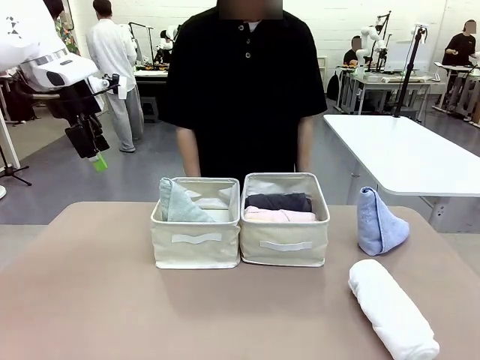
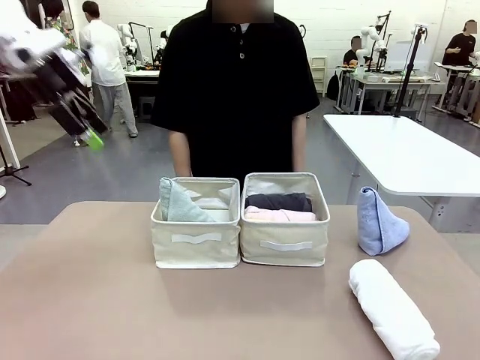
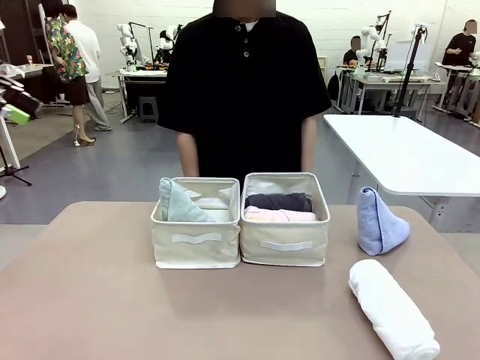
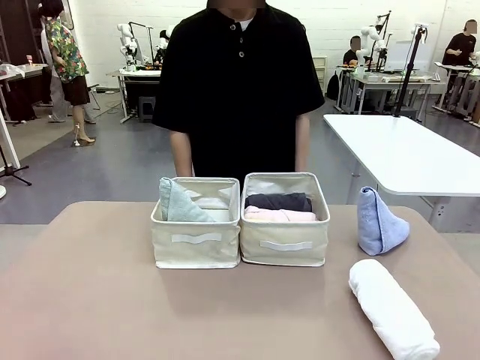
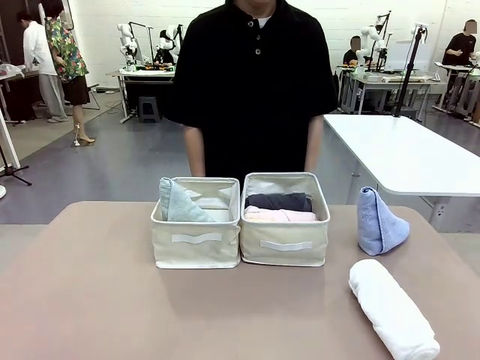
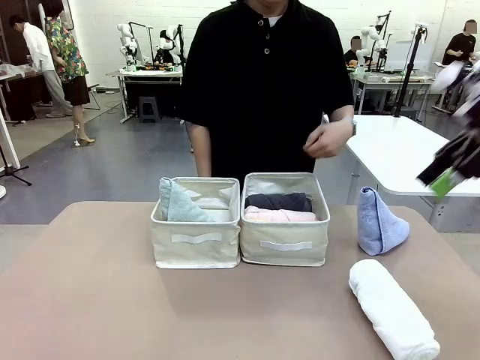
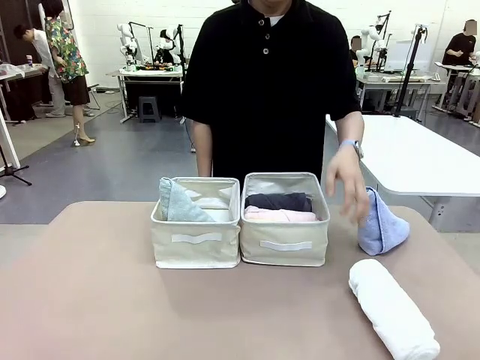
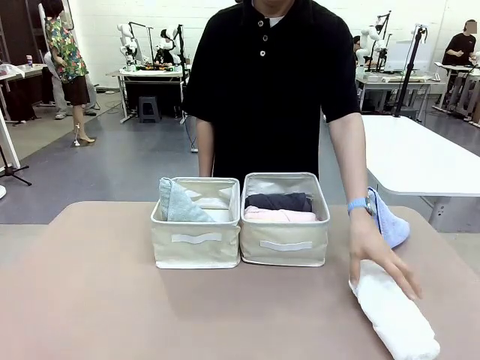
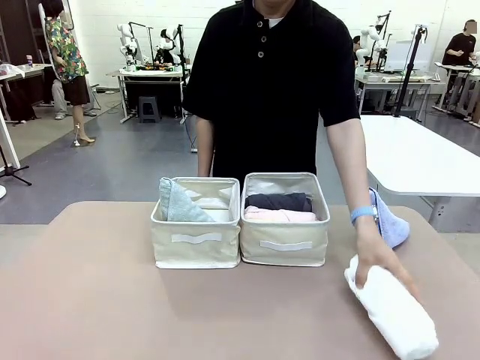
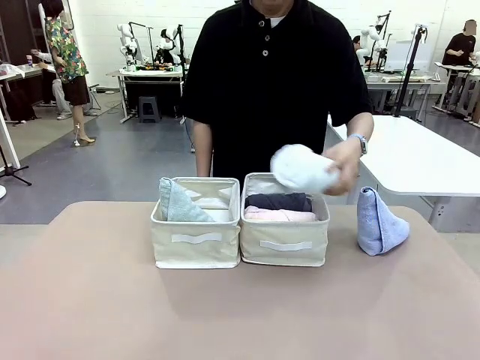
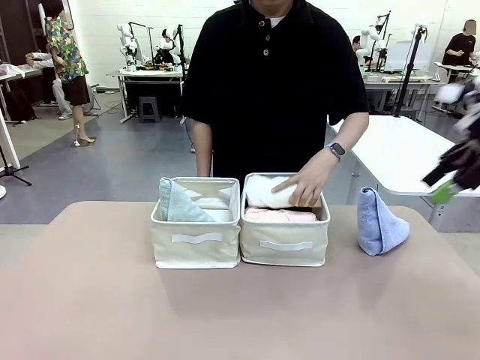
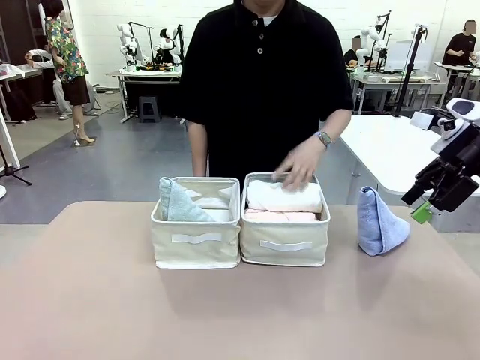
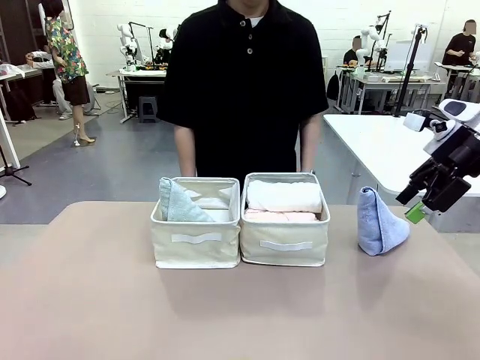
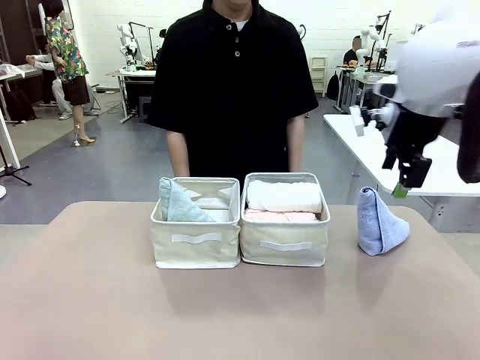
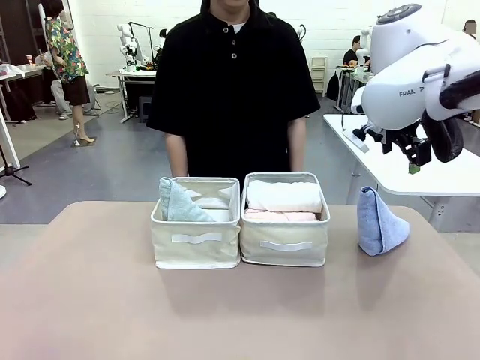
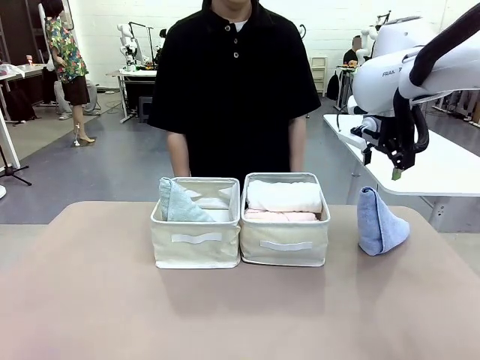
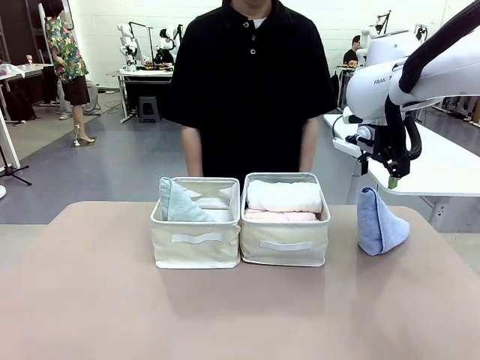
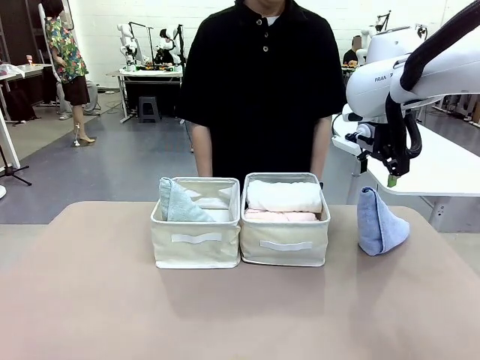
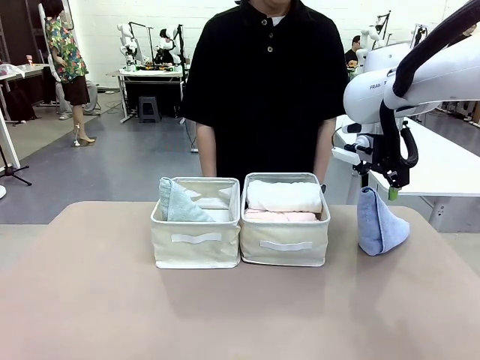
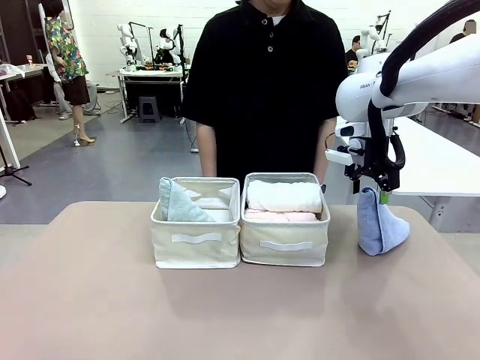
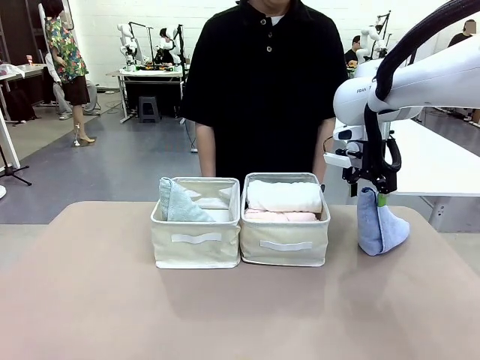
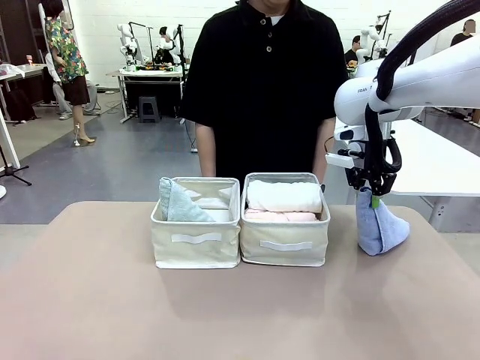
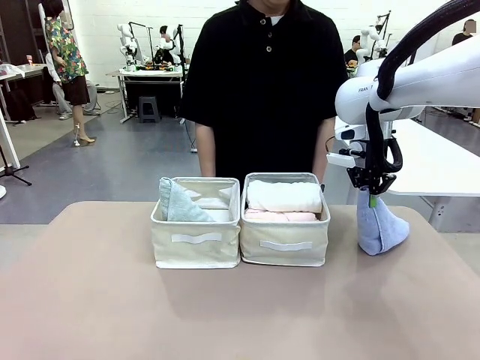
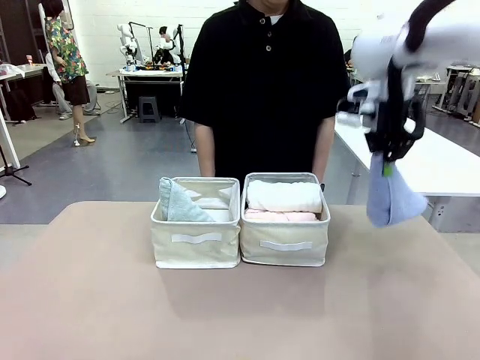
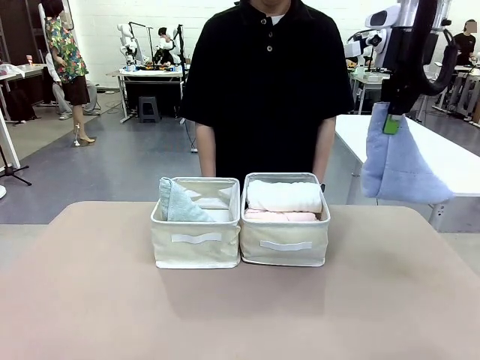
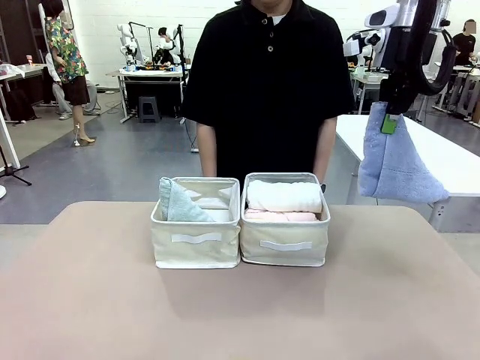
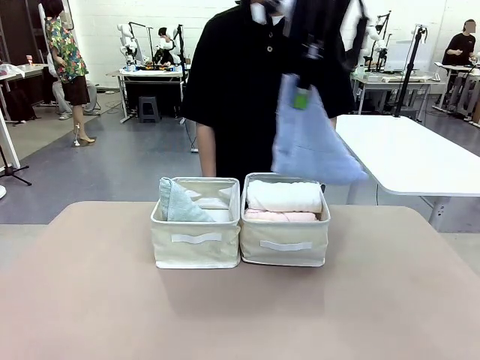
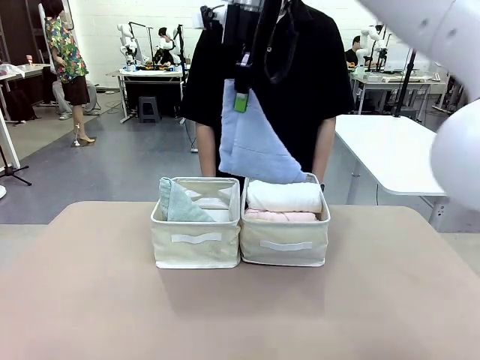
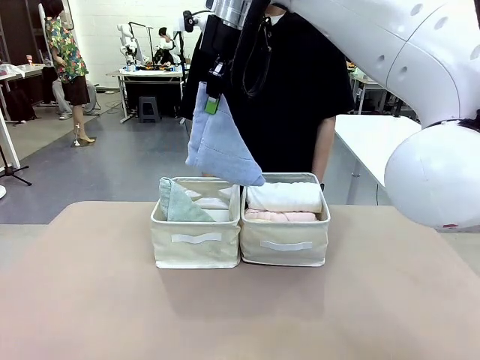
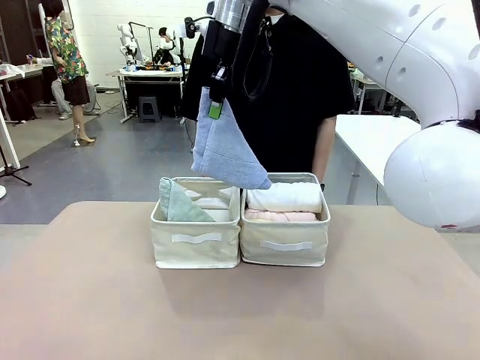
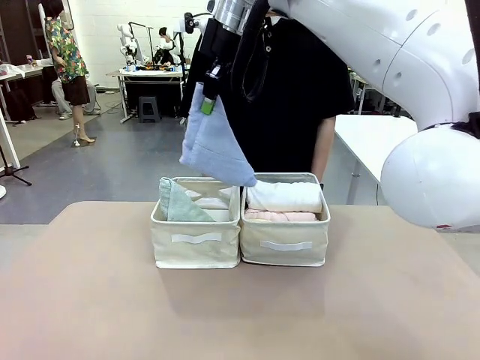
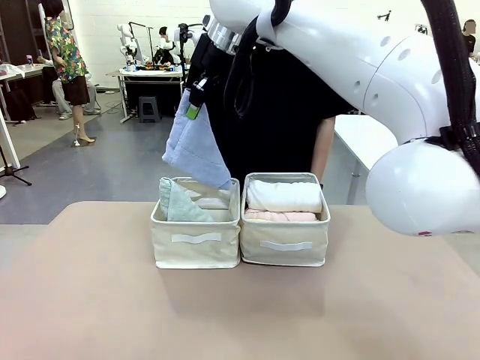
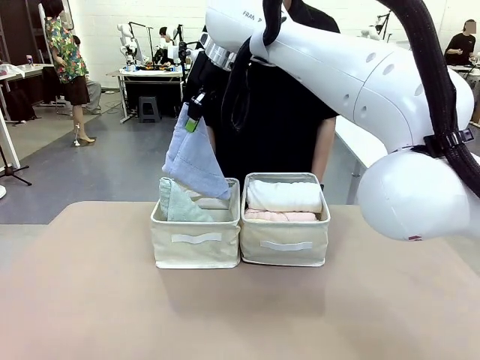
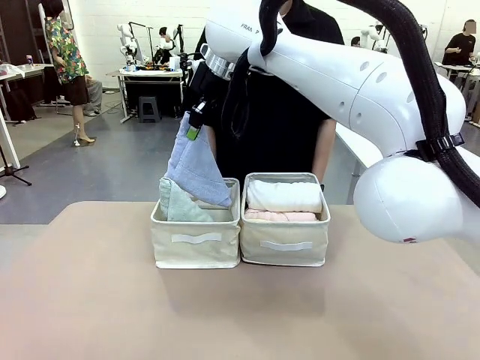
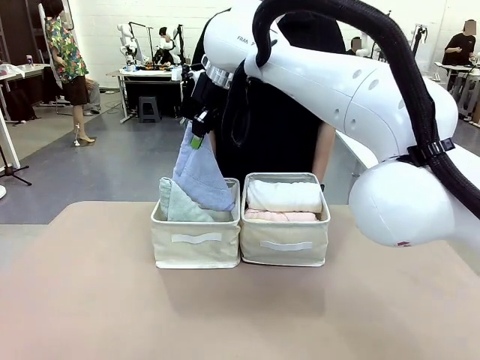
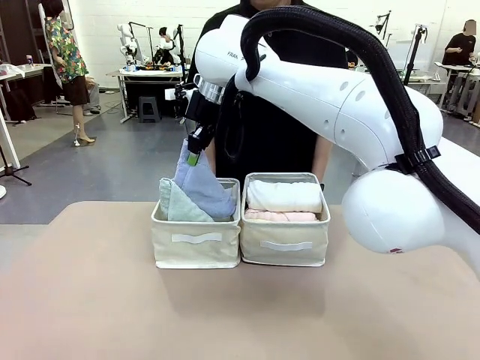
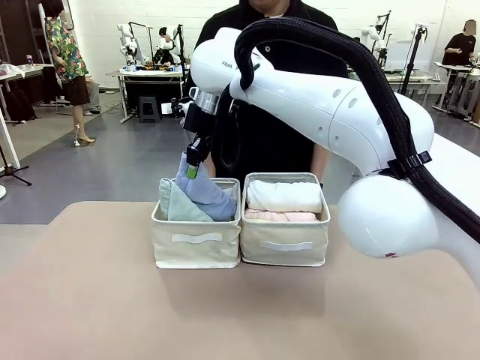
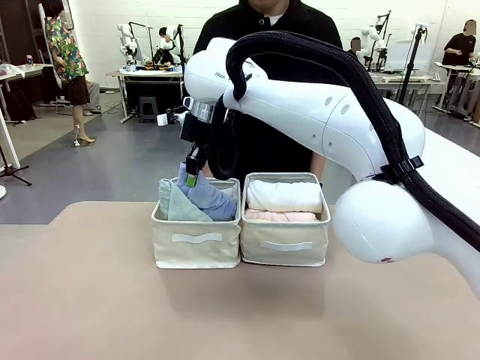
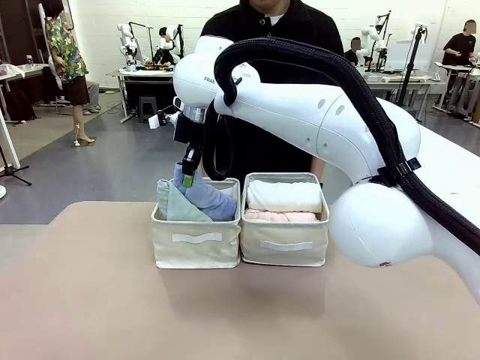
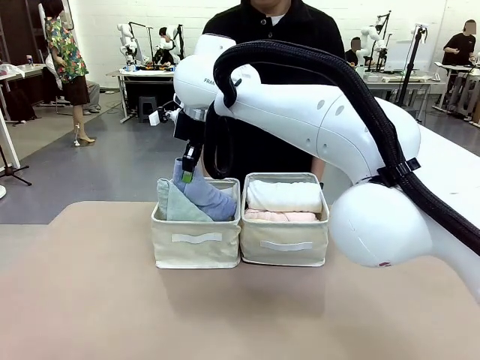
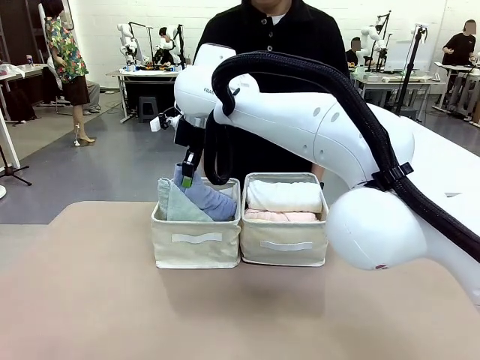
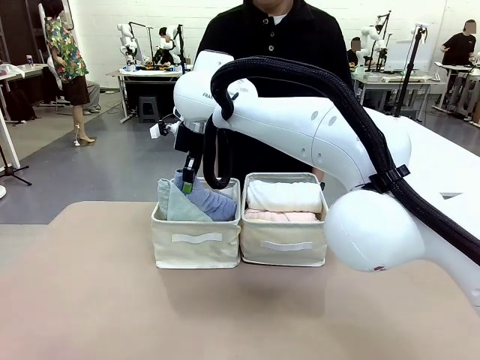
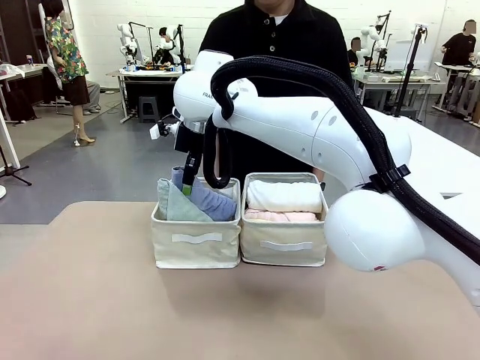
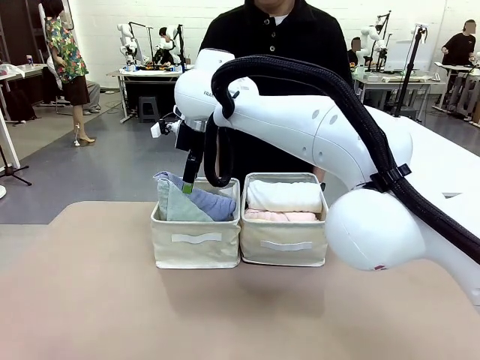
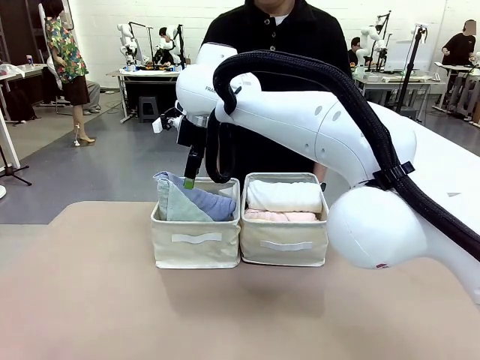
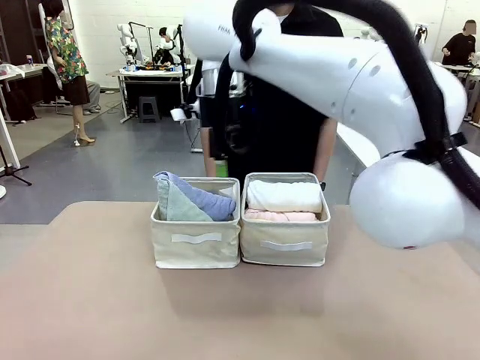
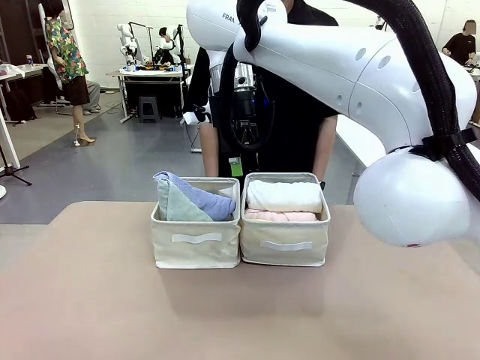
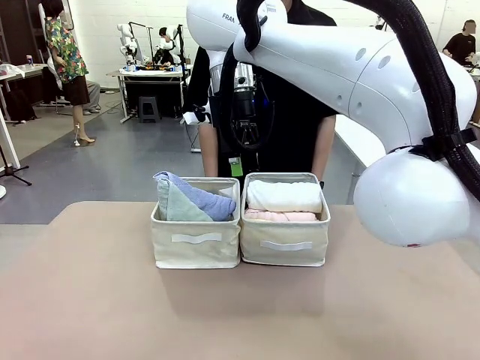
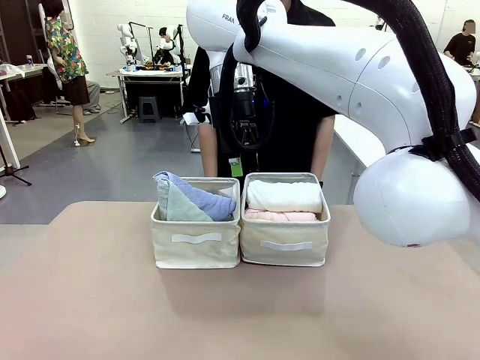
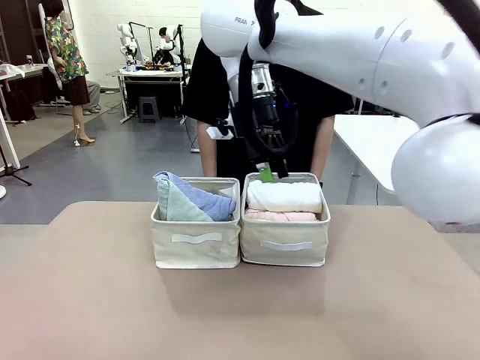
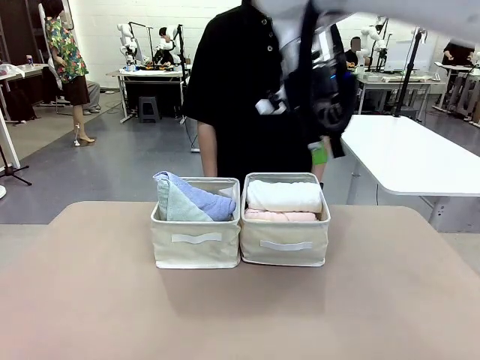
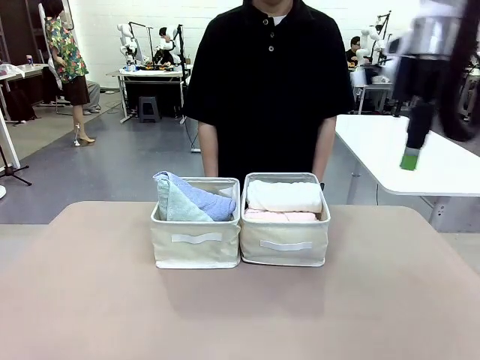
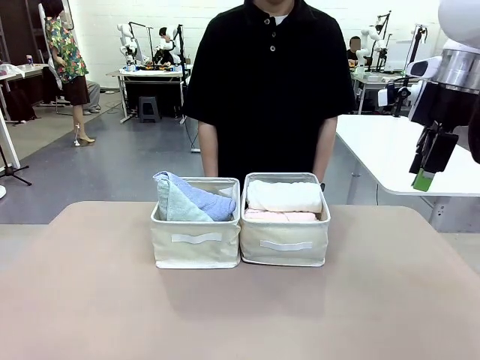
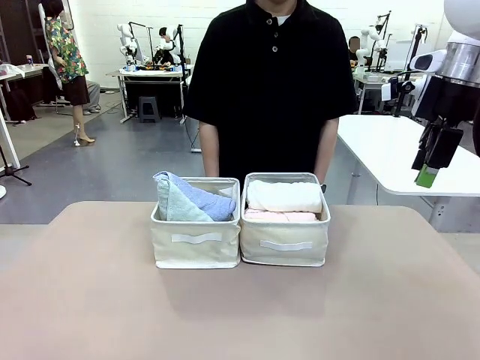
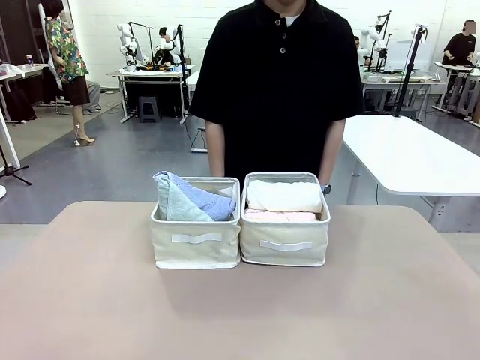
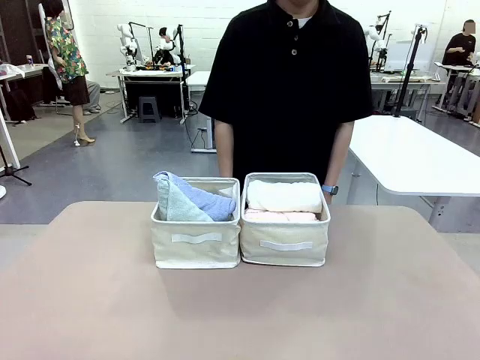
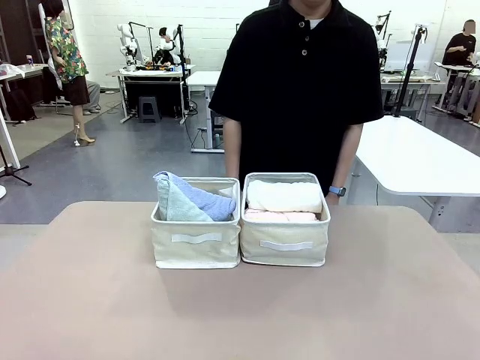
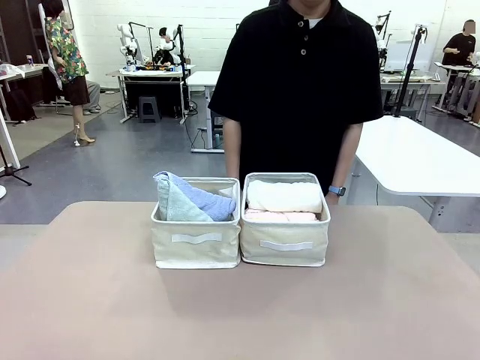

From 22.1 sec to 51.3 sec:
Task: Sort the towels based on their folding style.
Robot: Pick up another triangle-folded towel from the table and place it in the left Fabric basket.
Person: Pick up one hotel-style rolled towel from the table and place it in the left fabric basket.
